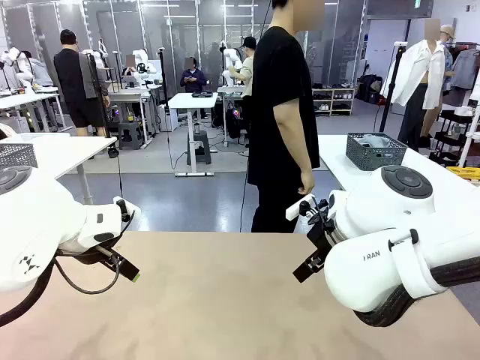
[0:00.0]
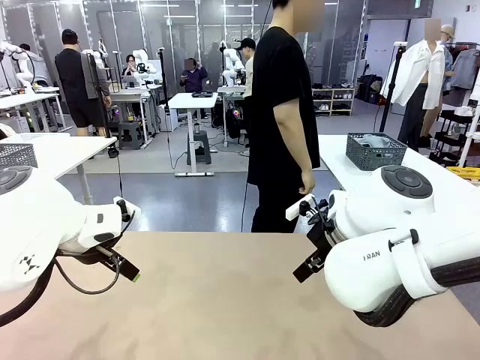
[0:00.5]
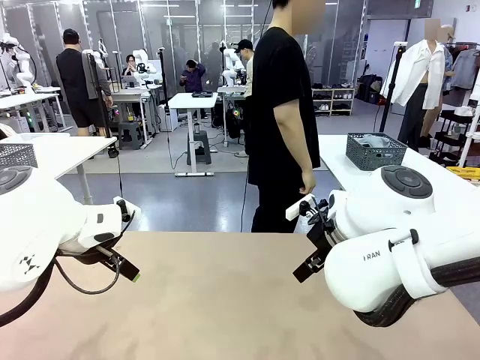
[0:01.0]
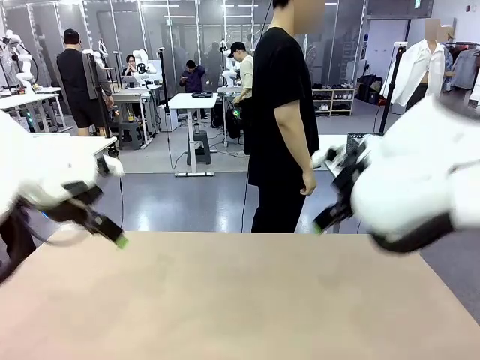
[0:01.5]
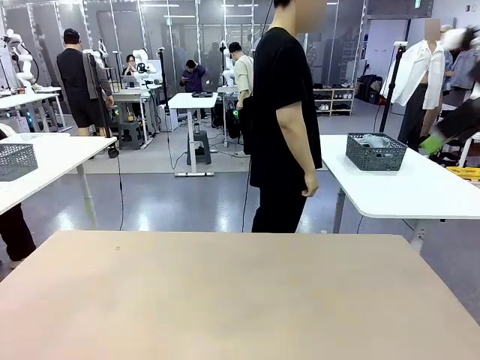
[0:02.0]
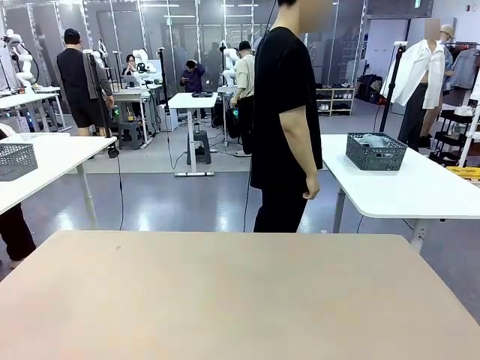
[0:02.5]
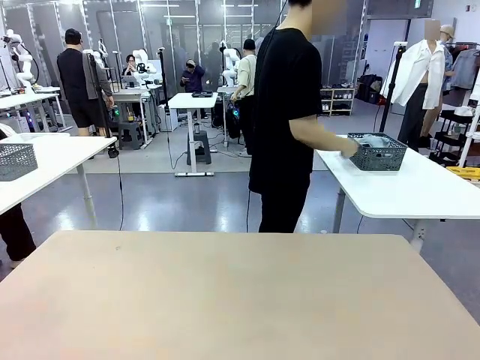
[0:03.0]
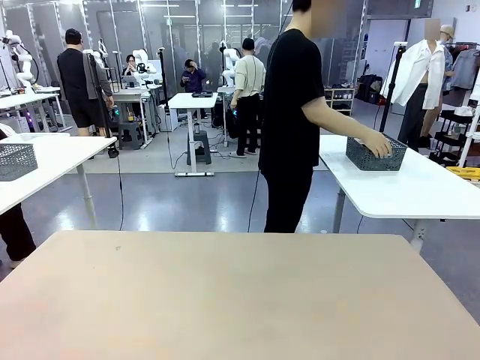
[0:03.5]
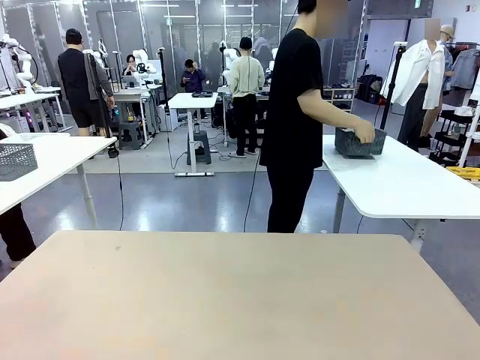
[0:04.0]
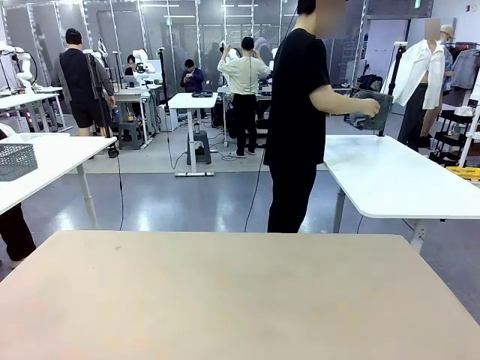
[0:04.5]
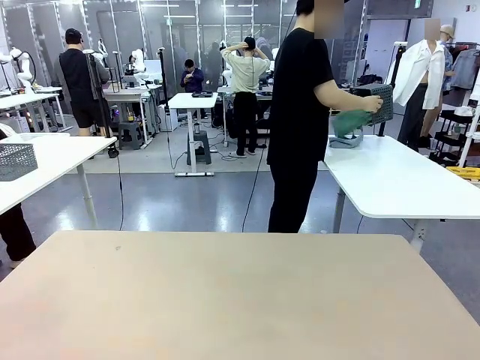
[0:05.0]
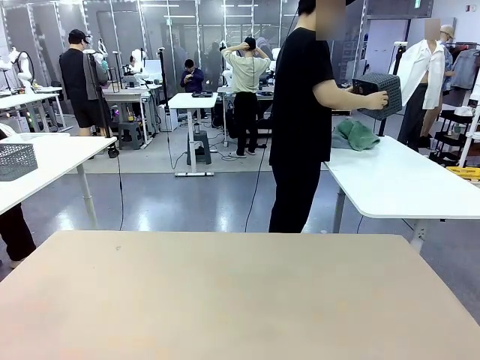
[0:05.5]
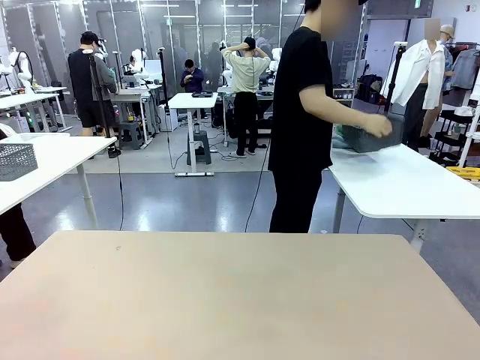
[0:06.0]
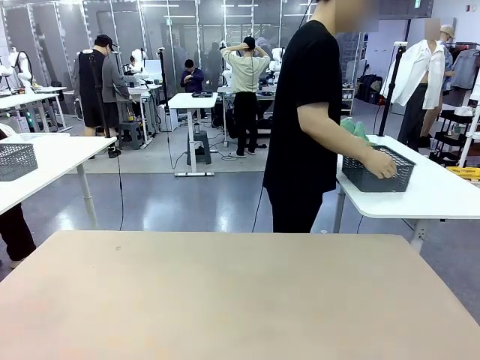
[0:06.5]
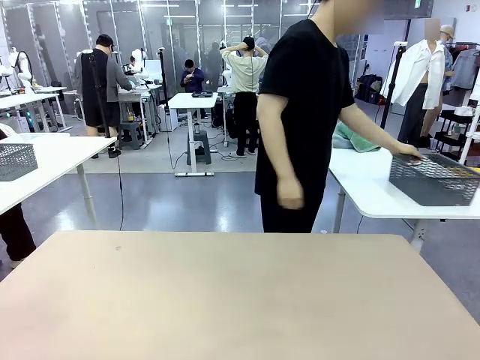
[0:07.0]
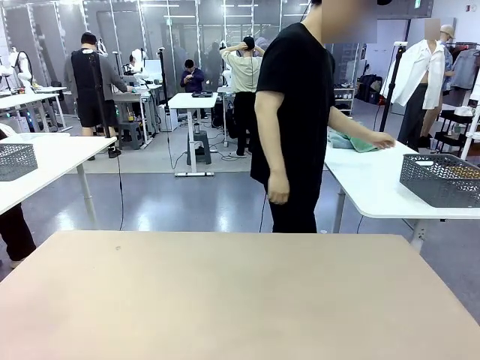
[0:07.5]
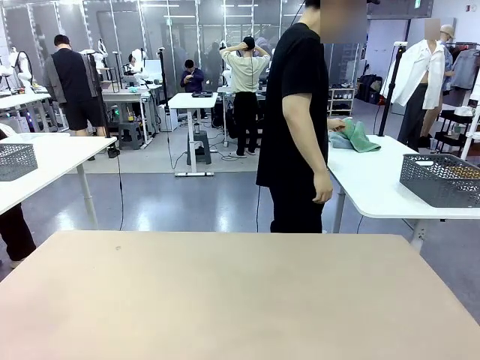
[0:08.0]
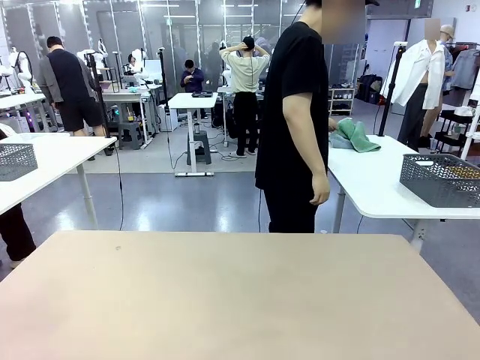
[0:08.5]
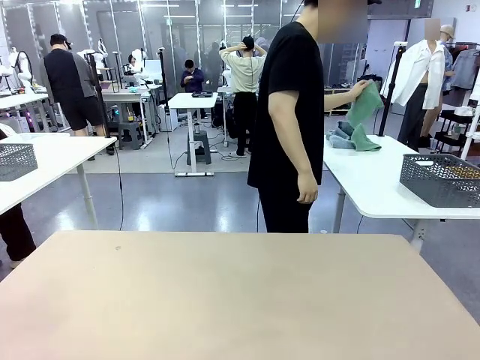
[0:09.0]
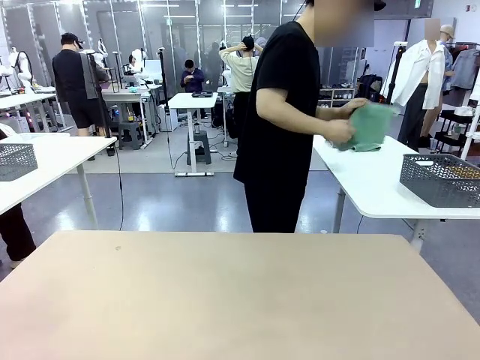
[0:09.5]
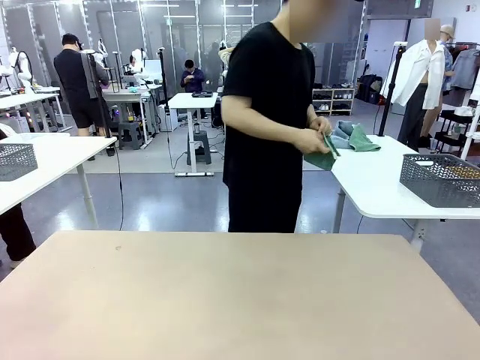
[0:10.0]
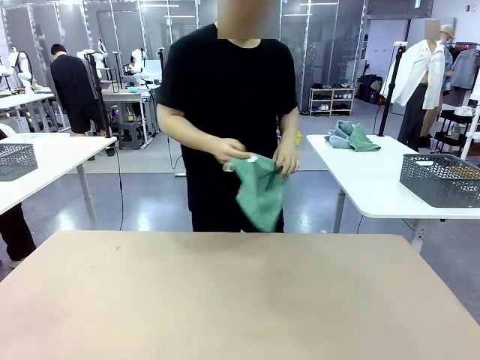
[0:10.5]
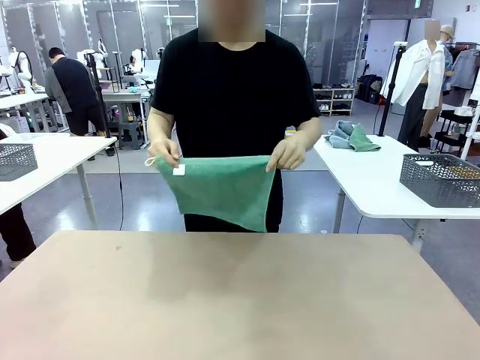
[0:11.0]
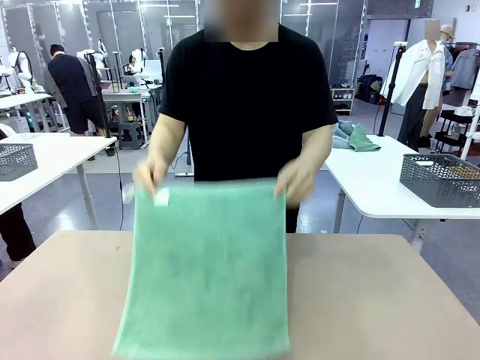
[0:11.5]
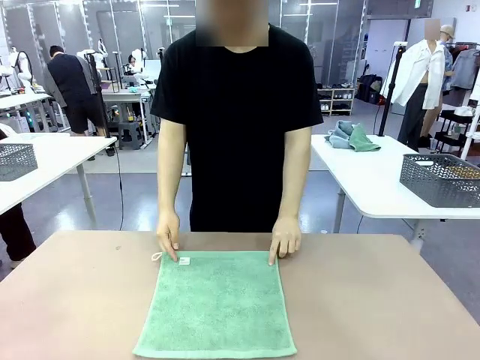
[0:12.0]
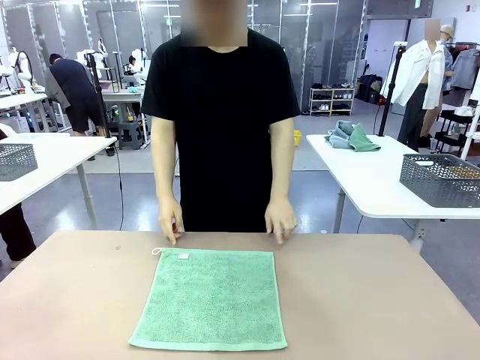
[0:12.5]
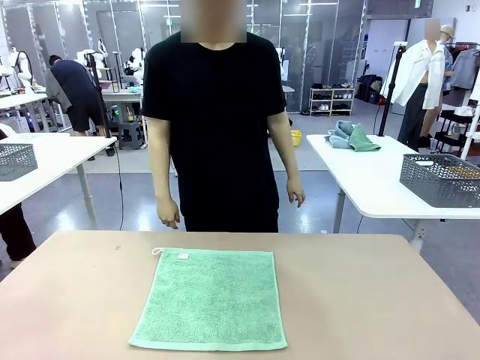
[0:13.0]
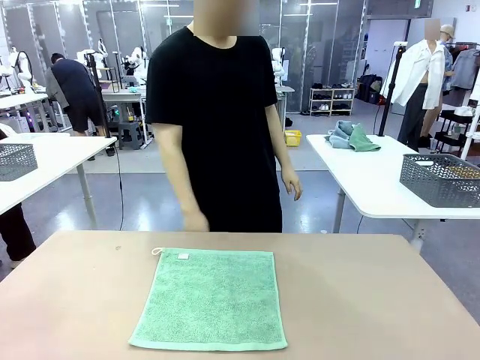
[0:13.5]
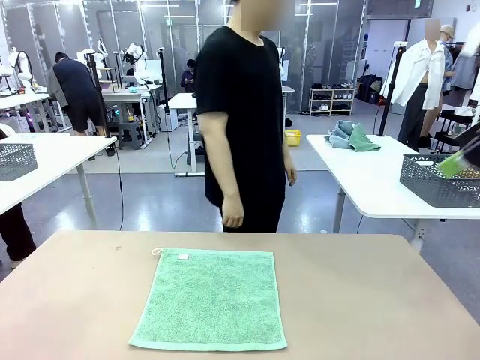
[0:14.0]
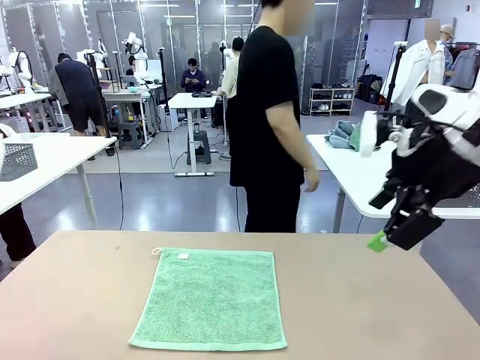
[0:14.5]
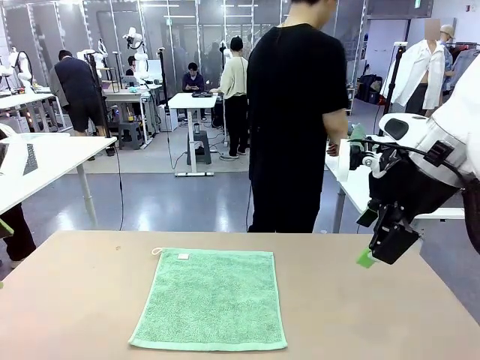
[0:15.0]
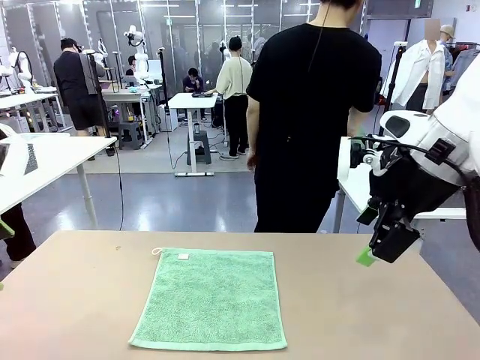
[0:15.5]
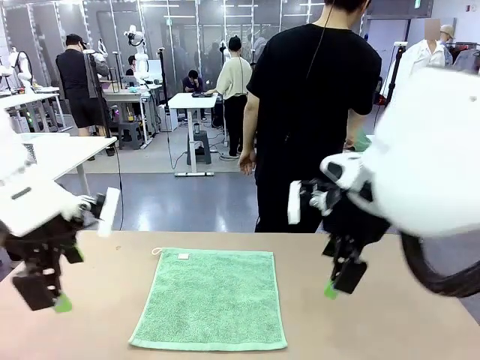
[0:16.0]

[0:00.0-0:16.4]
Task: Fold the towels and place them in the basket.
Robot: When a person lays out a Towel with hook on the table, fold it in half twice.
Person: Pick up the basket, pour the towels onto the left side of the human table, and place the basket on the right side. Pick up one towel and spread it out at the center of the robot table.

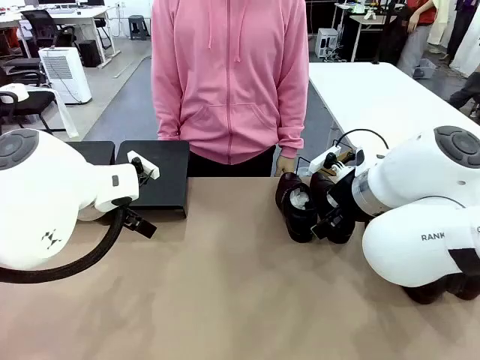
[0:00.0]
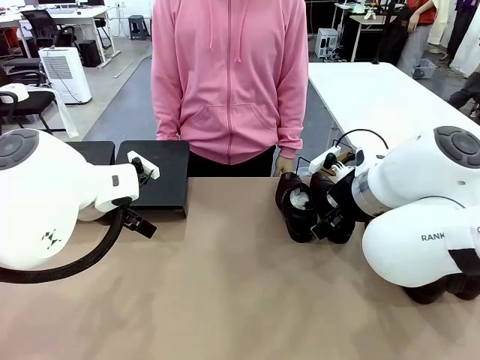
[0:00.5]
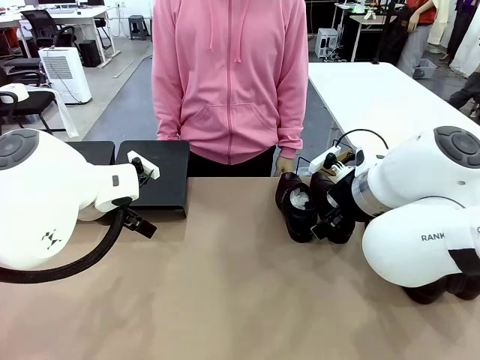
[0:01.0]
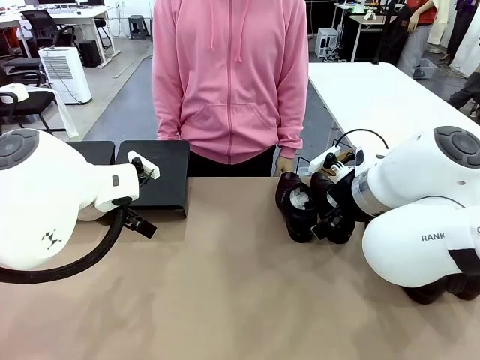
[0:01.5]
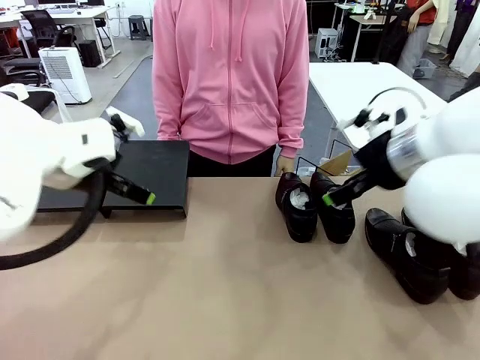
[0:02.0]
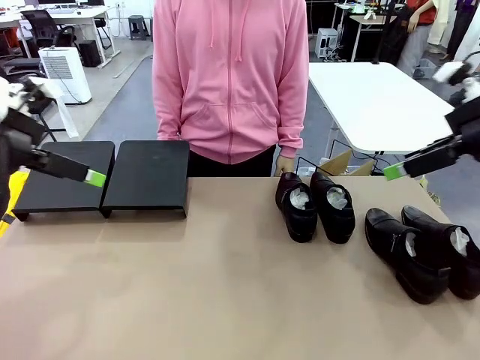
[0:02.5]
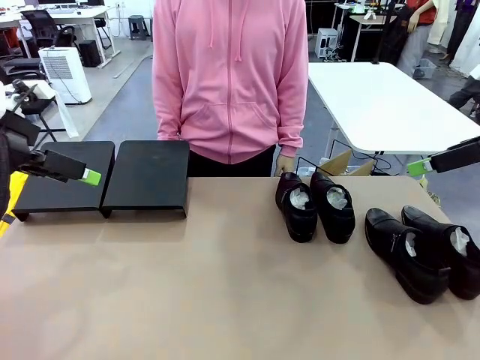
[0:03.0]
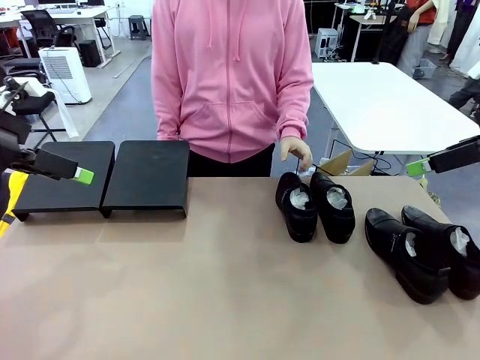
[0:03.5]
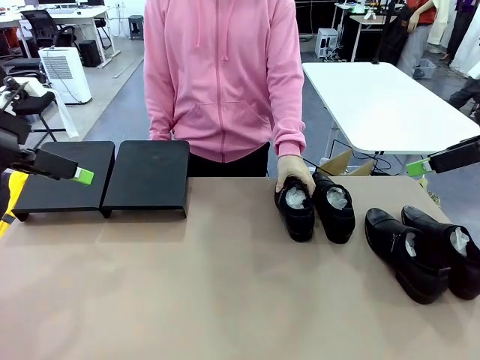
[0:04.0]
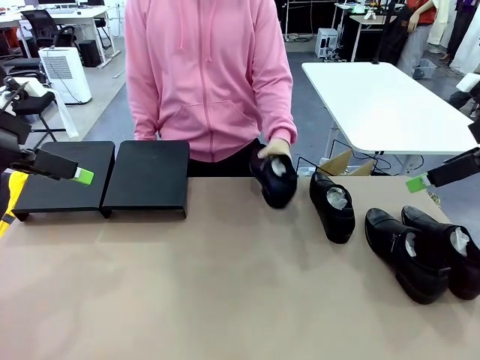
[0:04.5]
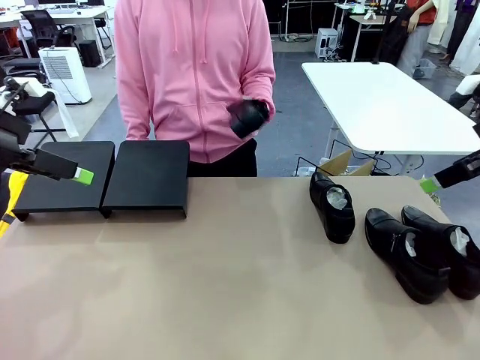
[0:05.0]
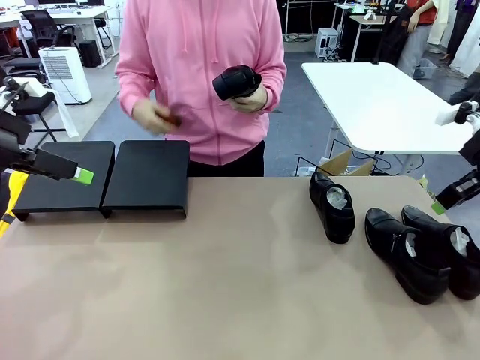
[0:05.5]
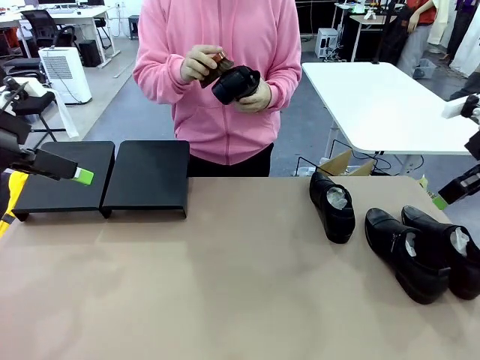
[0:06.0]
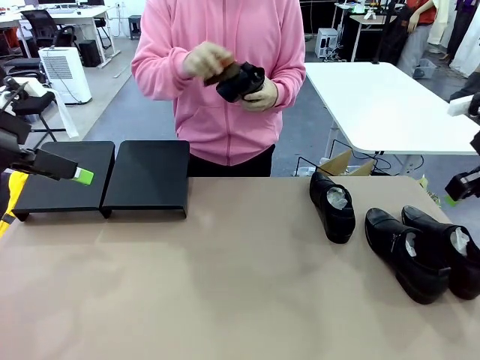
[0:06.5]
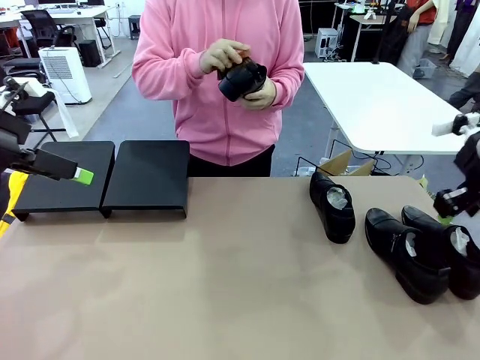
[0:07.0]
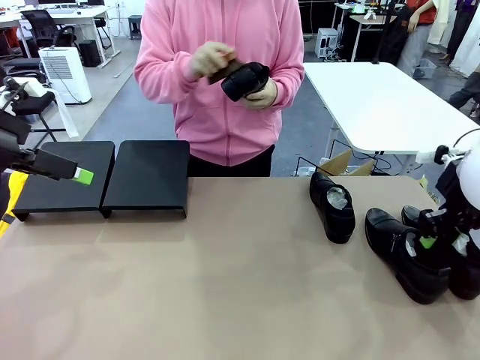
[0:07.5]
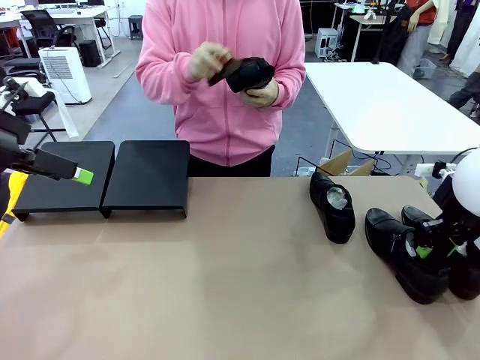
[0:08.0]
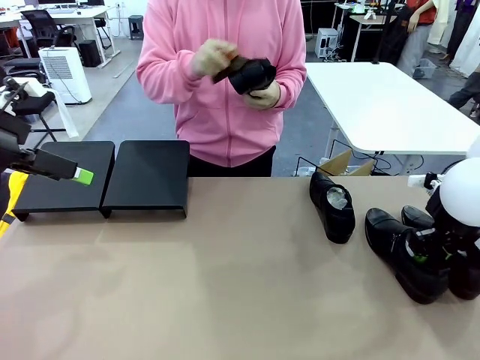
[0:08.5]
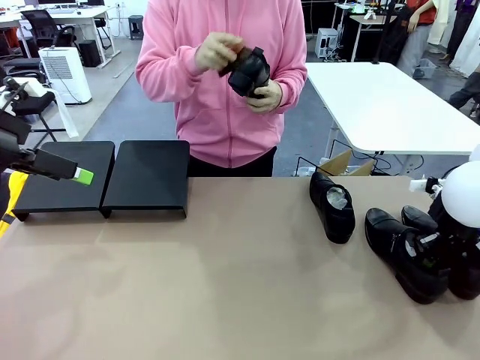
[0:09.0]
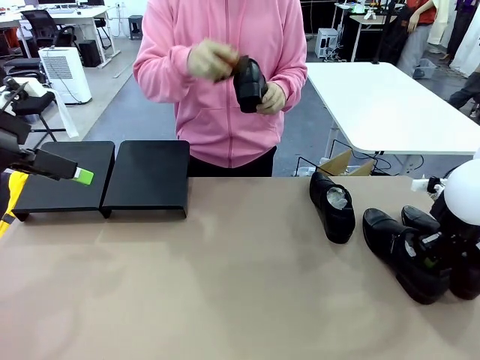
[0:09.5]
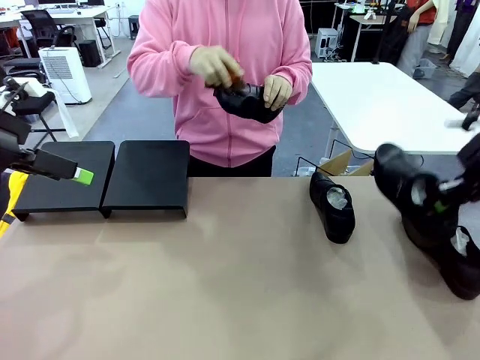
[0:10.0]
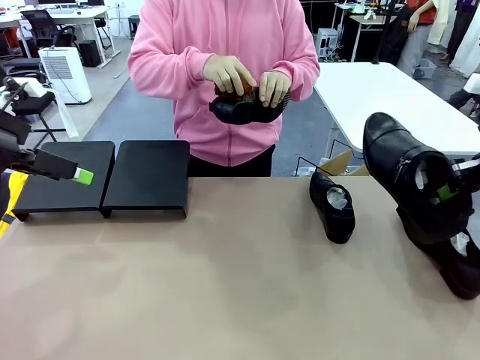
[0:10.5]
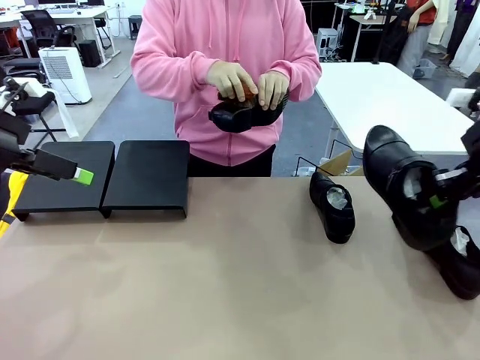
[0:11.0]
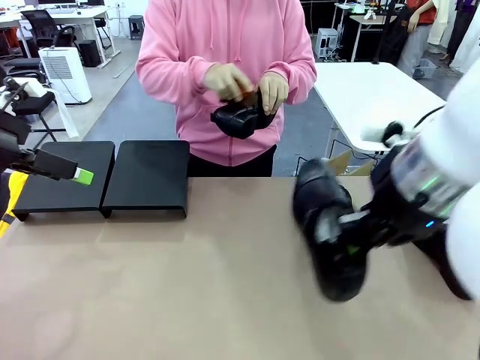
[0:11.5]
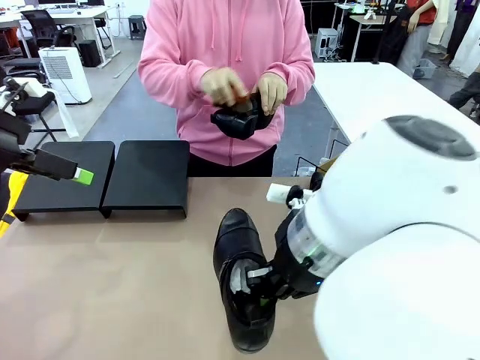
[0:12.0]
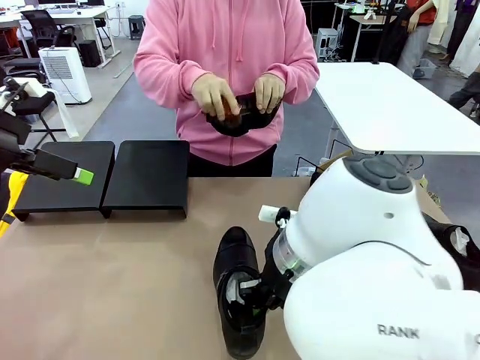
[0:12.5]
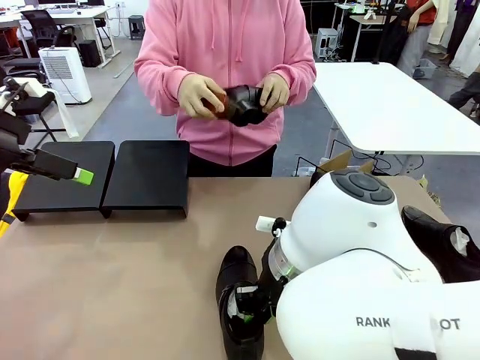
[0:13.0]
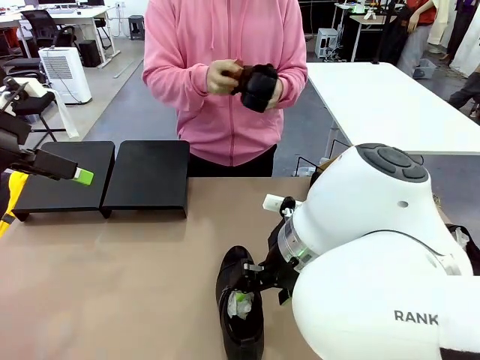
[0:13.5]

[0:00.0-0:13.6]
Task: Organize the shoes by placing them on the stand.
Robot: Pick up one Shoe and place it in the middle of the table.
Person: Pick one Shoe on Robot's table. Clean the Shoe with the Shoe Brush.
